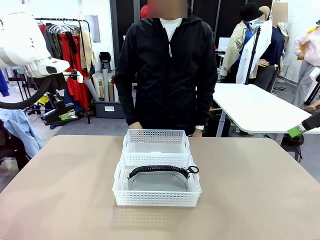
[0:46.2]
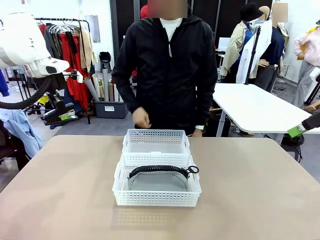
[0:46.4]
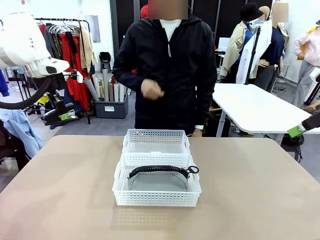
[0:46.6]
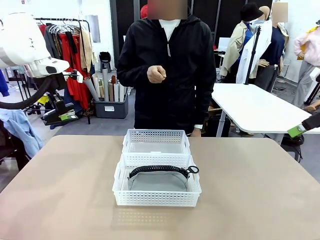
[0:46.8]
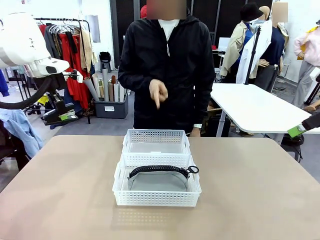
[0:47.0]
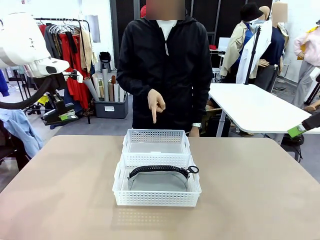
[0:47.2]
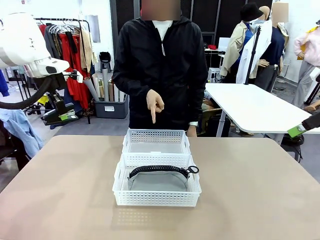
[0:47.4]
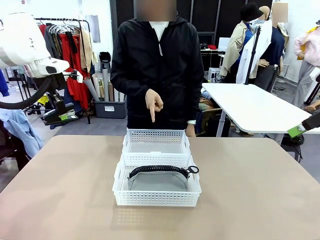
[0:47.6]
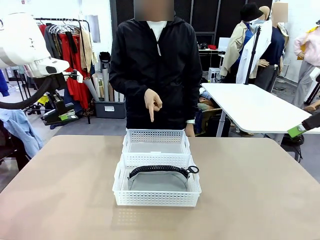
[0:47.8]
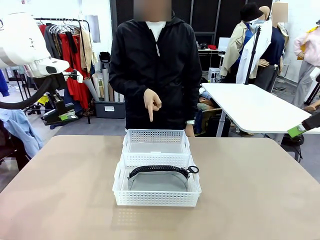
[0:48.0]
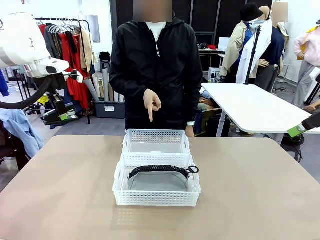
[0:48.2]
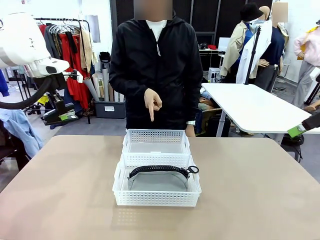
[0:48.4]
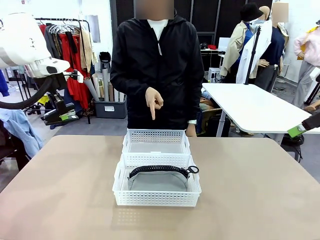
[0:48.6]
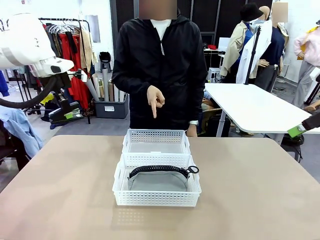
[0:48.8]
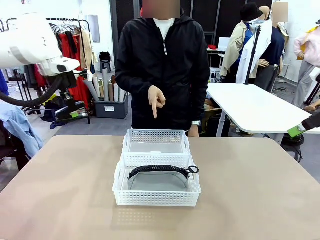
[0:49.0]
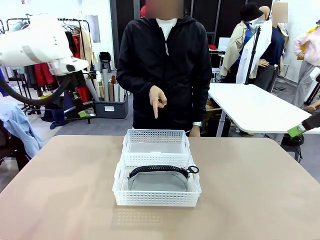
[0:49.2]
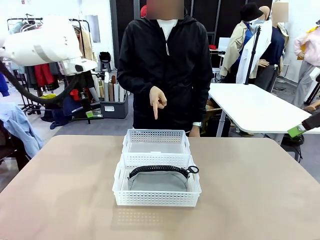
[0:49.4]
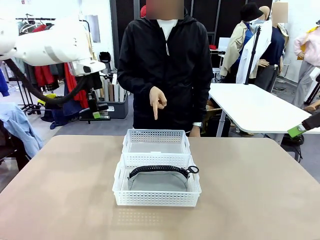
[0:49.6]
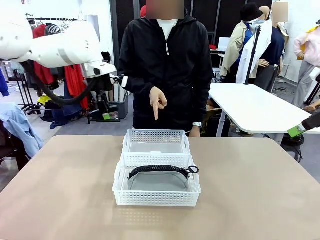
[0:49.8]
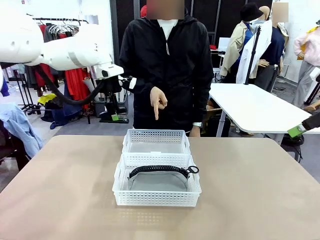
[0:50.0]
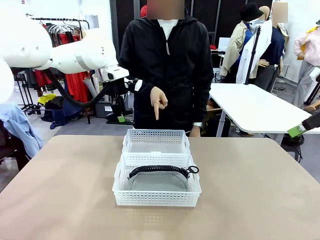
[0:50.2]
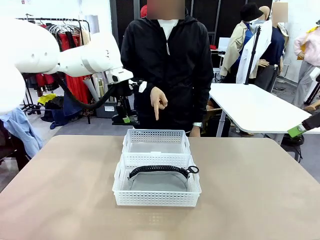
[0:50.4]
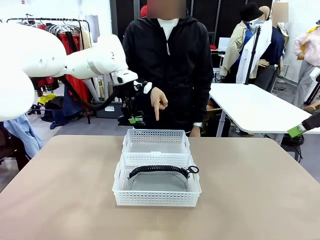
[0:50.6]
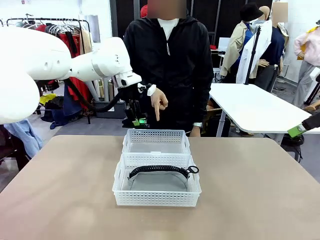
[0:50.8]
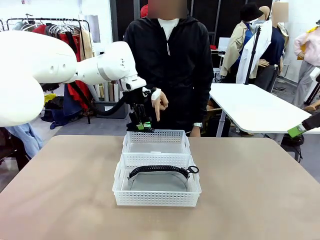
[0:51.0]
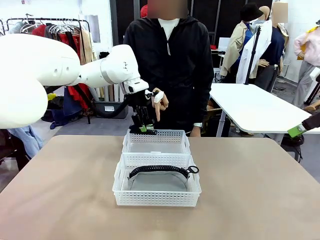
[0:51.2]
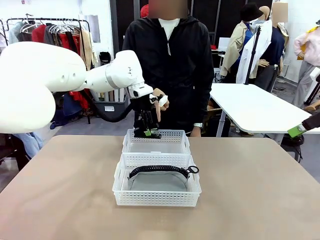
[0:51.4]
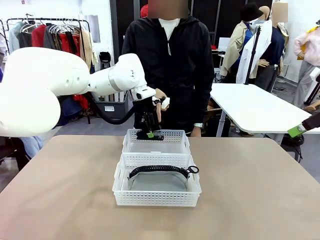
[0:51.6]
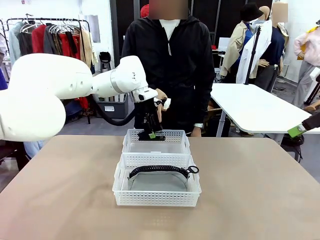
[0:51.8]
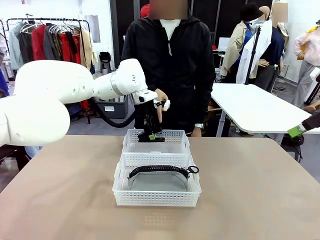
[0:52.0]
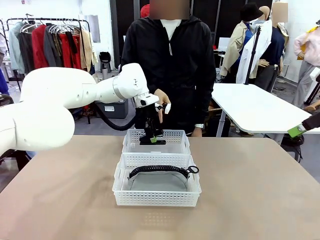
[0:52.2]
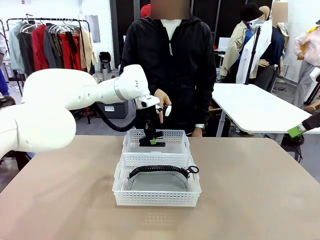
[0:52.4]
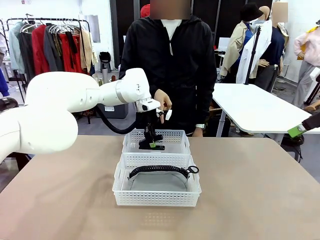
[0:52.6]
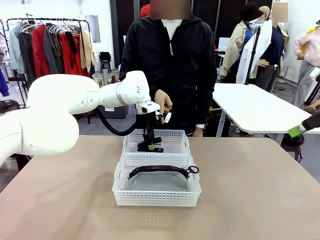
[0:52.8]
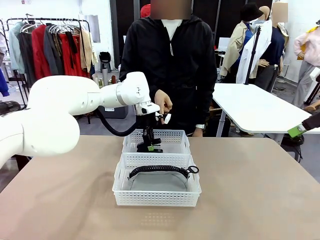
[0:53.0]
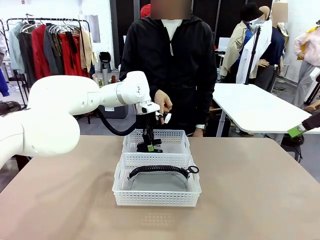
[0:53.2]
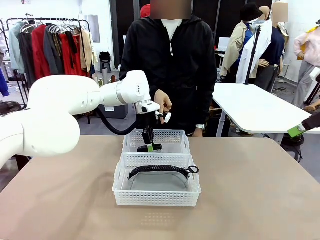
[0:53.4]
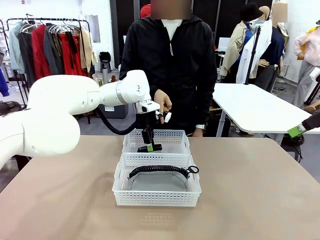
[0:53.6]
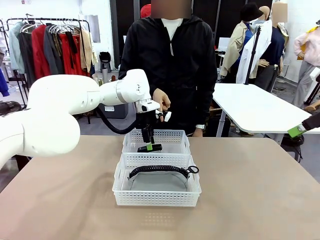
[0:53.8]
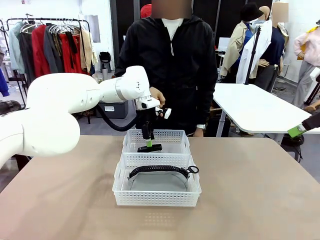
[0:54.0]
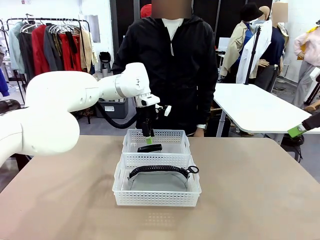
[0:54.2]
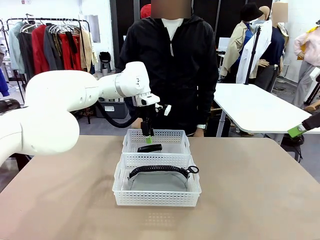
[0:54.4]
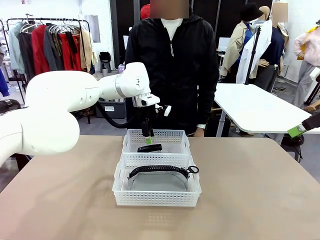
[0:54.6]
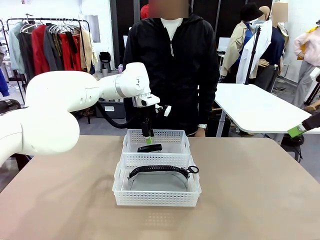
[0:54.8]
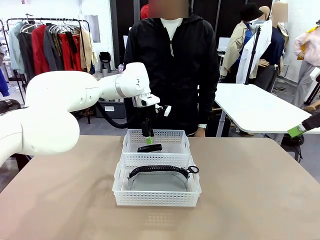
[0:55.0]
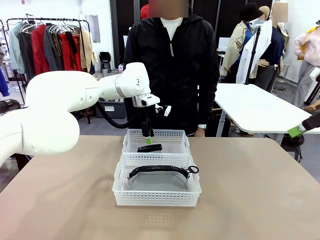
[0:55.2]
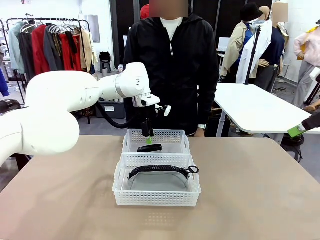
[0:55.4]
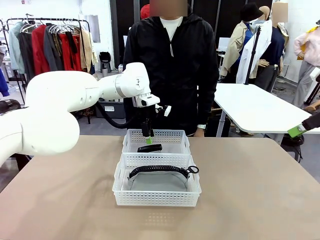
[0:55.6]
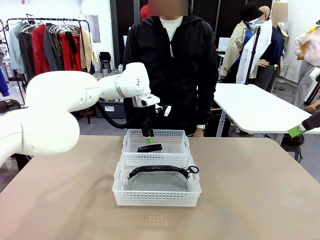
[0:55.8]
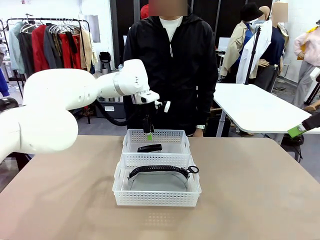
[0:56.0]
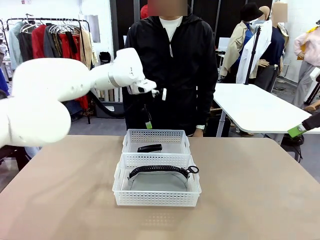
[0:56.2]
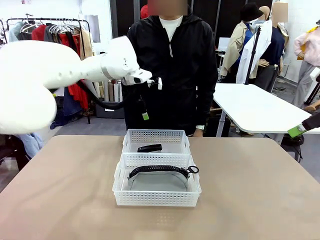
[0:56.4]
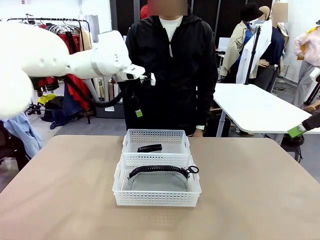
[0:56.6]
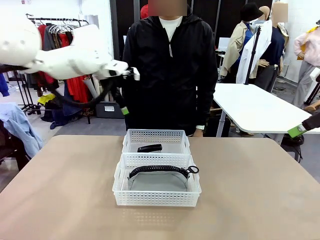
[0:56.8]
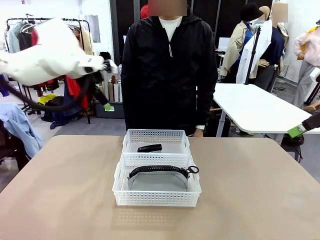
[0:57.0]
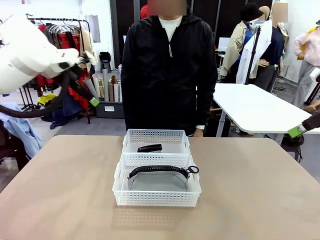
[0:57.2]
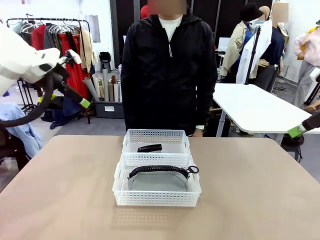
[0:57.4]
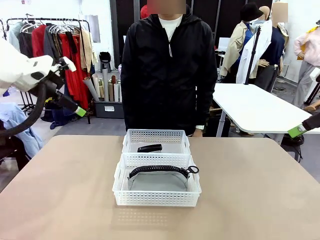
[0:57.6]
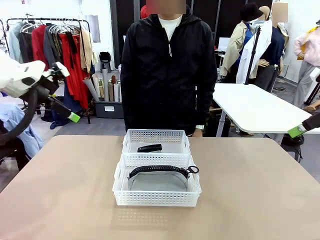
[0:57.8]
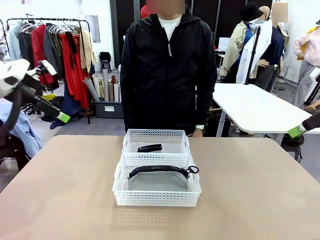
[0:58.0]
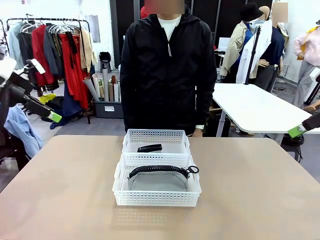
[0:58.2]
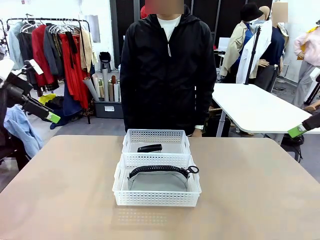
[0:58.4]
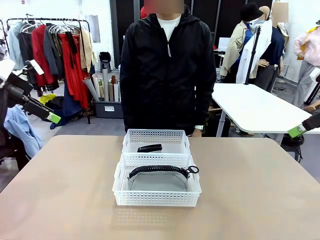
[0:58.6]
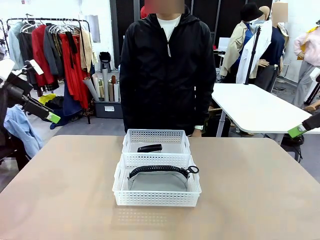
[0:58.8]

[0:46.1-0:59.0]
Task: Distribute items into two baskets.
Robot: Place the picked Stapler into the Organizing basket as instructed by the person.
Person: Points to the basket that does not contain the pencil case and instructs the robot to move the stapler there.
